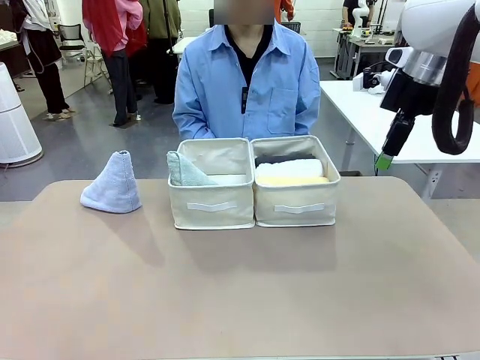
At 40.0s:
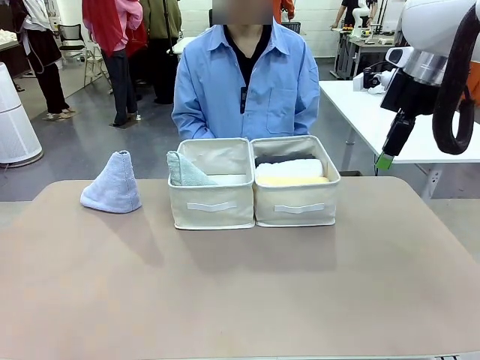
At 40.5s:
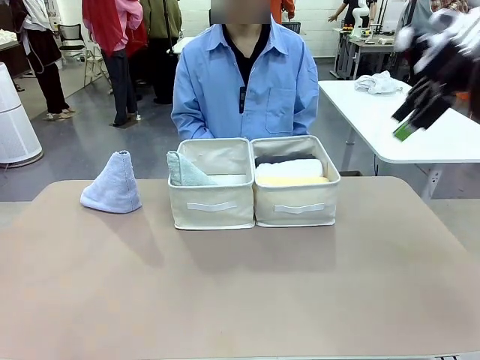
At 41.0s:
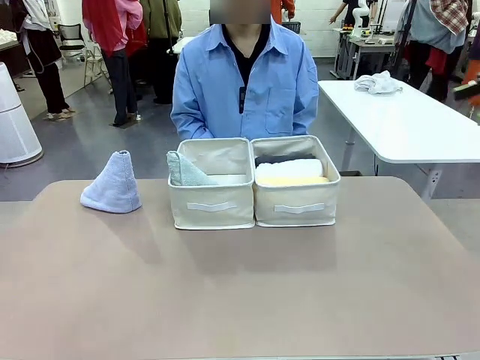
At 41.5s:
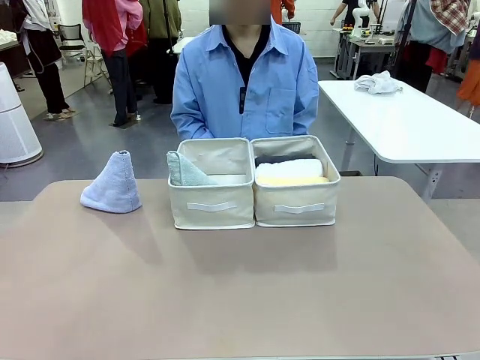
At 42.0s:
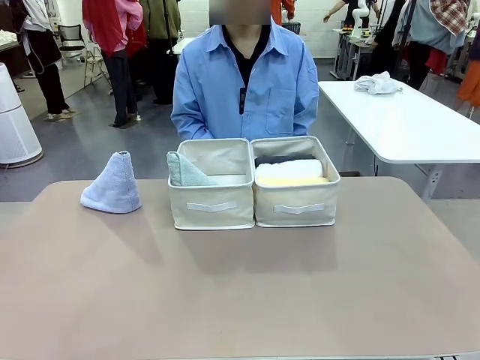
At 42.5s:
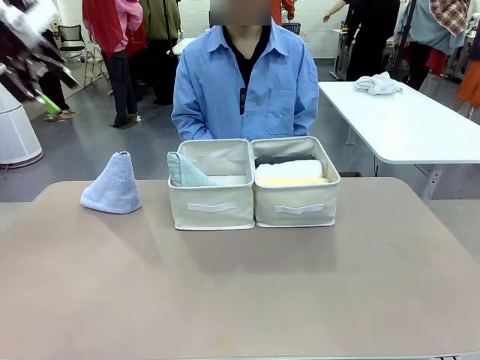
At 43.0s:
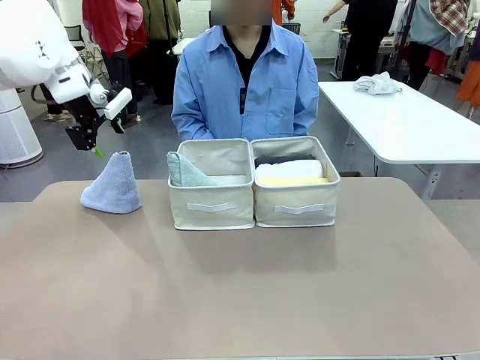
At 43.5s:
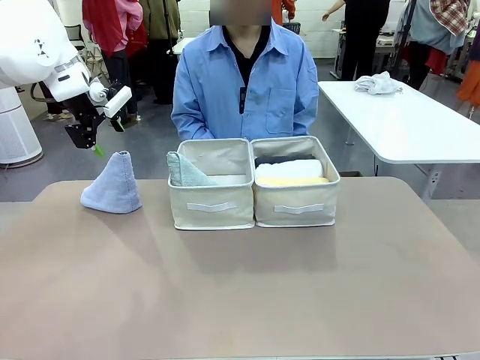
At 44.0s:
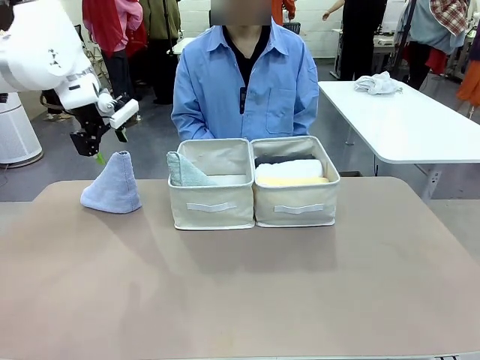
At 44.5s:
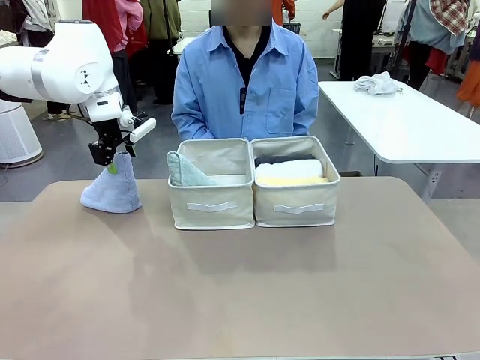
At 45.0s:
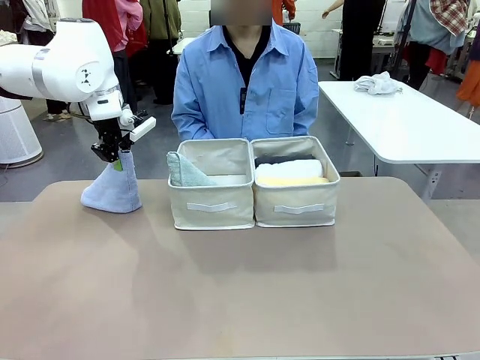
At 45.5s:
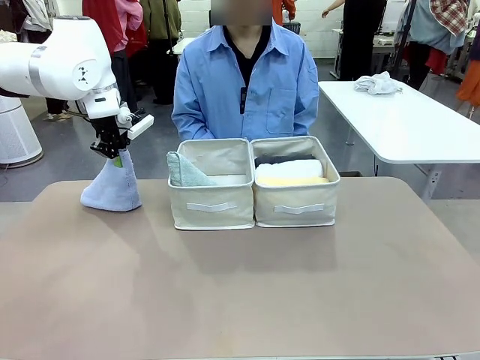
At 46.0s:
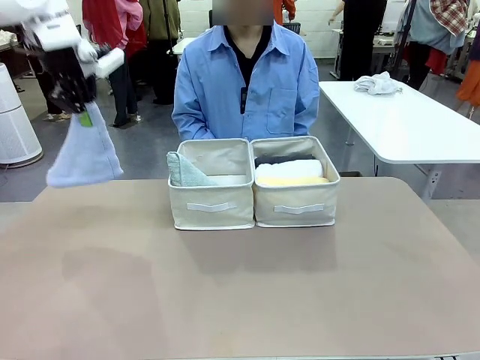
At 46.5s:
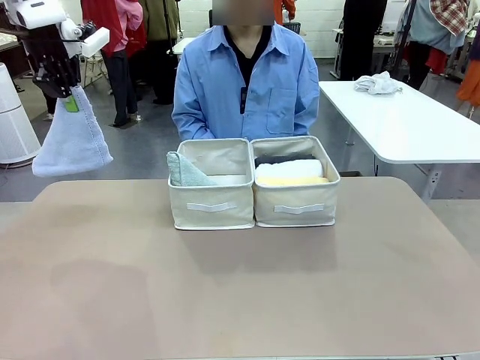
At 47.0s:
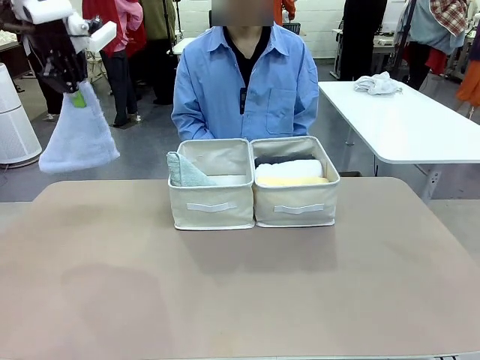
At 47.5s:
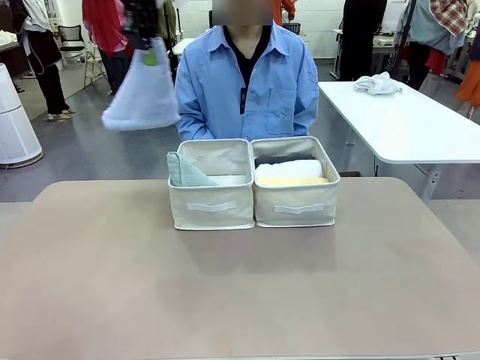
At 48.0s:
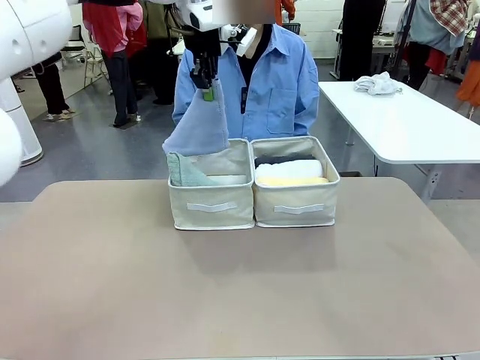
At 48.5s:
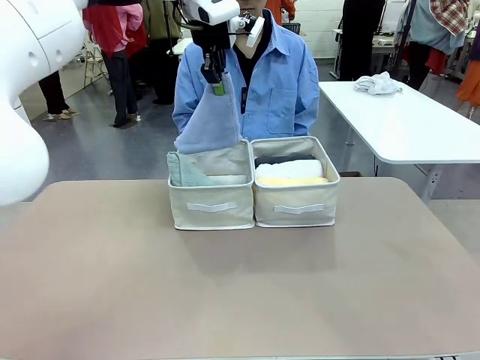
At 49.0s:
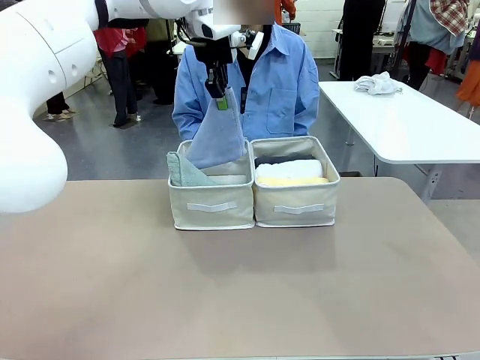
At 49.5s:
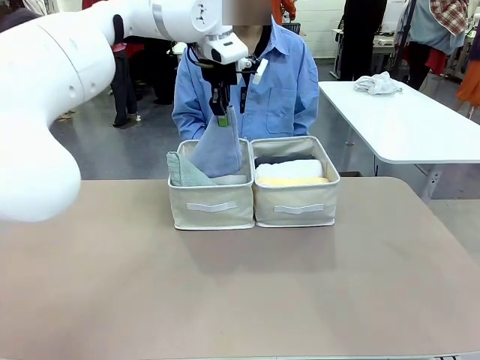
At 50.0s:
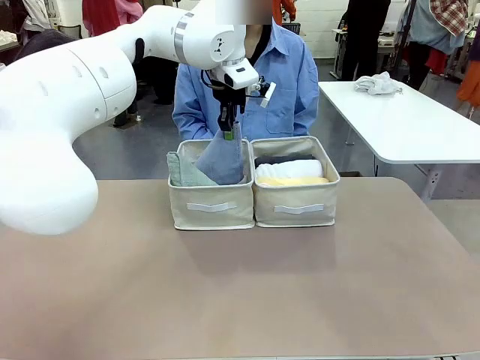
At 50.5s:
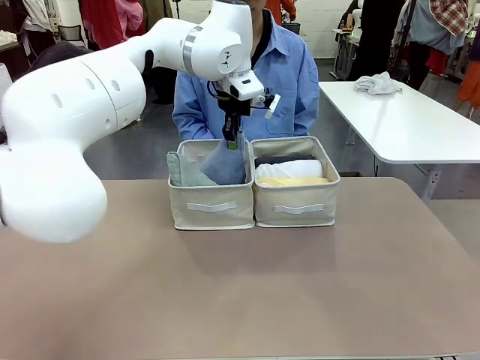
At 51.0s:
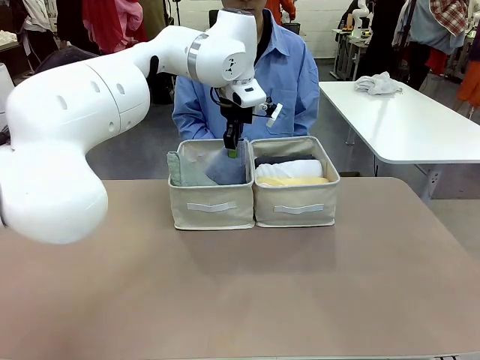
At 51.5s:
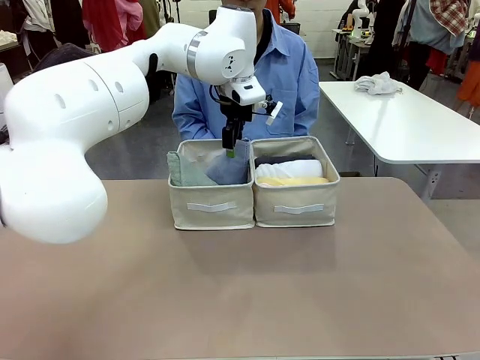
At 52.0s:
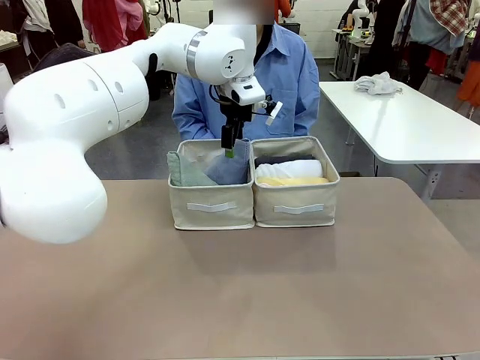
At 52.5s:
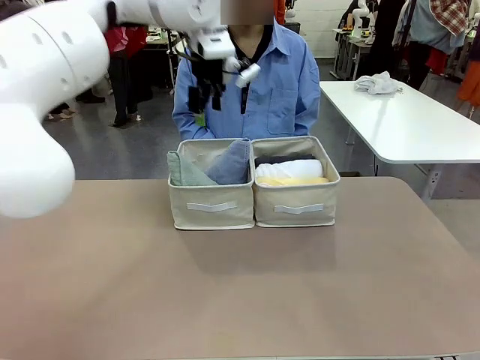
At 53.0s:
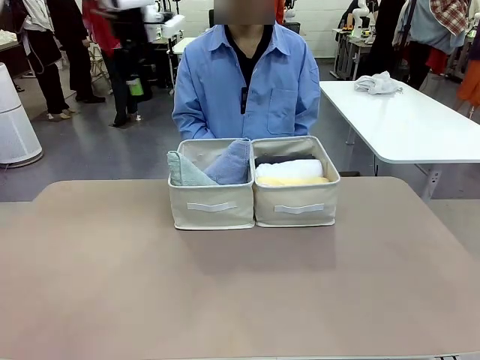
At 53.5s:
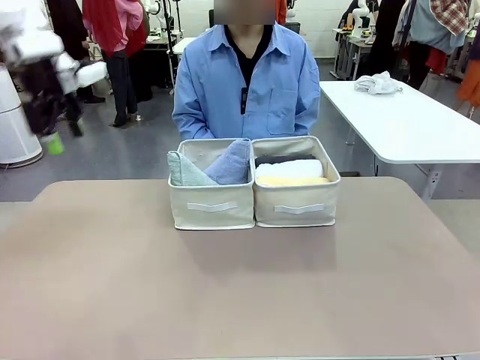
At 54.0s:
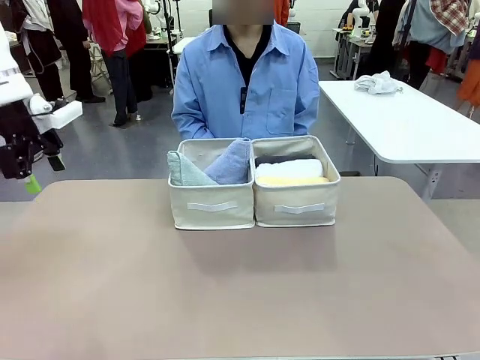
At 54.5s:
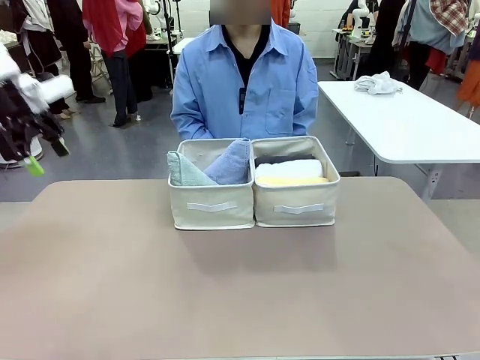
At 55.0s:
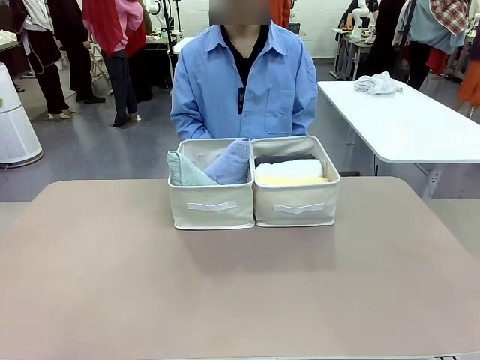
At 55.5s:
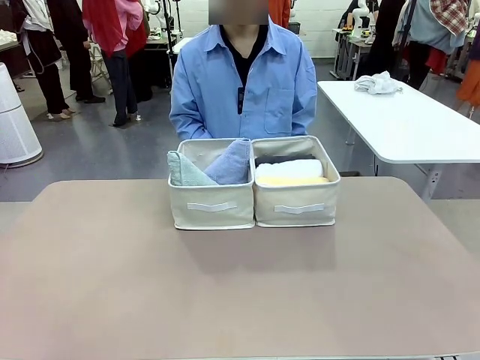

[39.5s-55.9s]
Task: Sort the towels based on their folding style.
Robot: Pick up another triangle-folded towel from the table and place it in the left Fabric basket.
